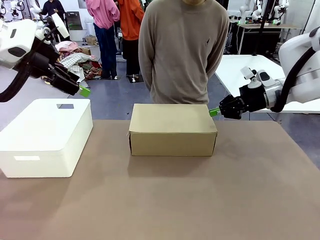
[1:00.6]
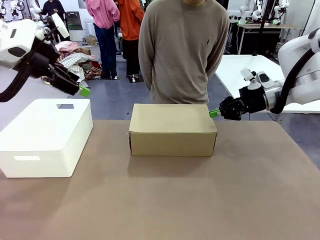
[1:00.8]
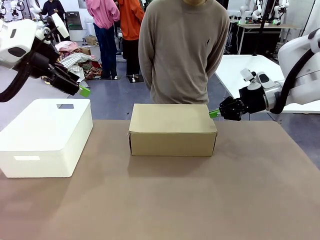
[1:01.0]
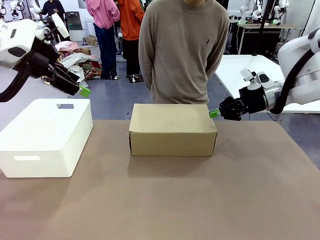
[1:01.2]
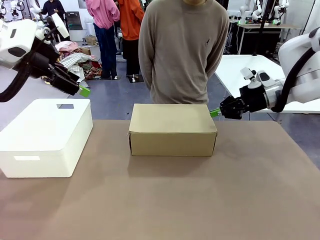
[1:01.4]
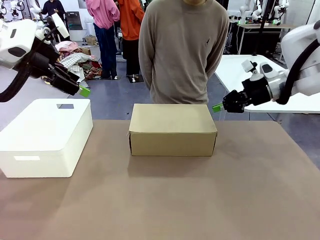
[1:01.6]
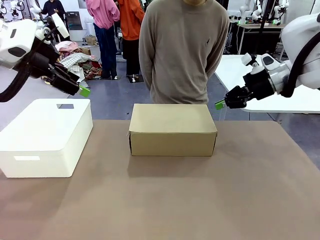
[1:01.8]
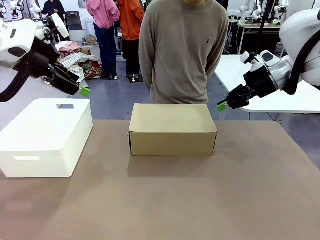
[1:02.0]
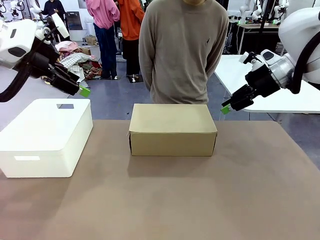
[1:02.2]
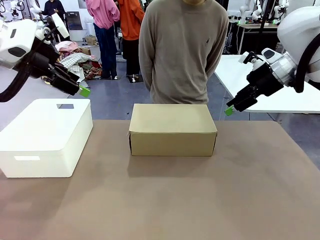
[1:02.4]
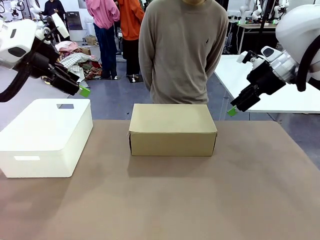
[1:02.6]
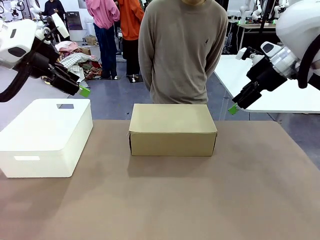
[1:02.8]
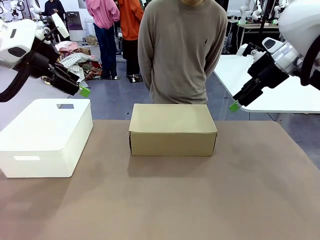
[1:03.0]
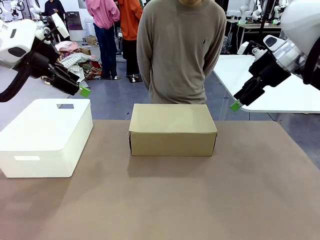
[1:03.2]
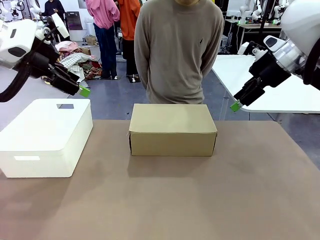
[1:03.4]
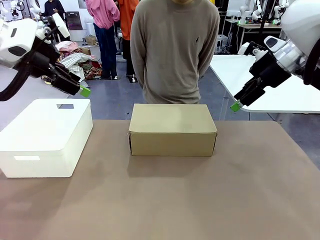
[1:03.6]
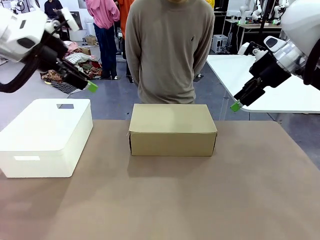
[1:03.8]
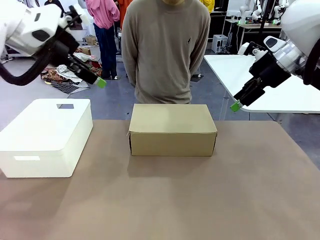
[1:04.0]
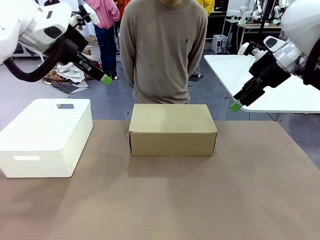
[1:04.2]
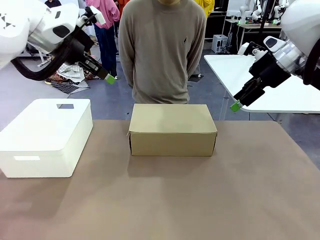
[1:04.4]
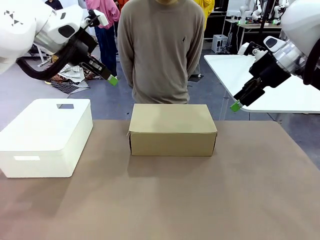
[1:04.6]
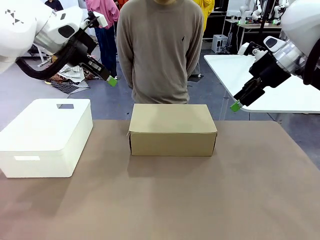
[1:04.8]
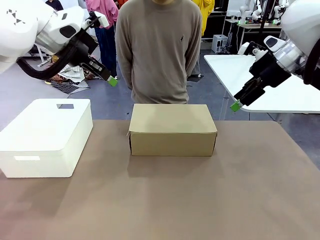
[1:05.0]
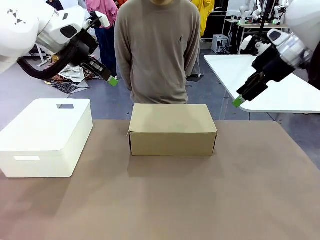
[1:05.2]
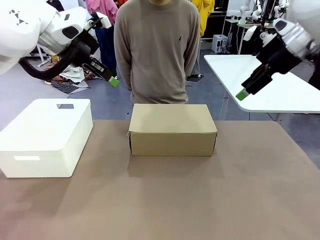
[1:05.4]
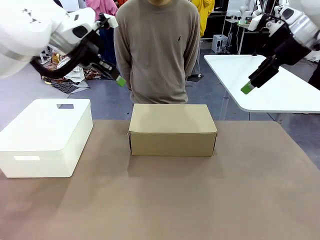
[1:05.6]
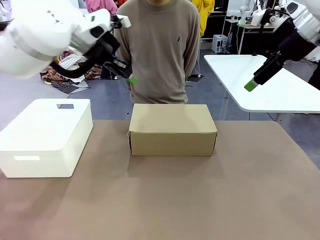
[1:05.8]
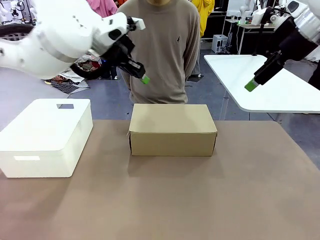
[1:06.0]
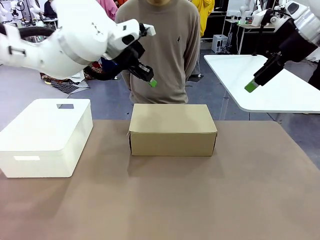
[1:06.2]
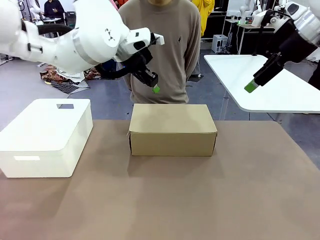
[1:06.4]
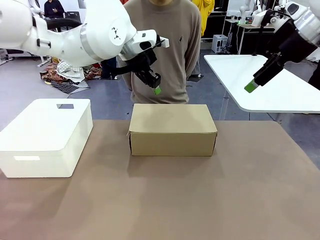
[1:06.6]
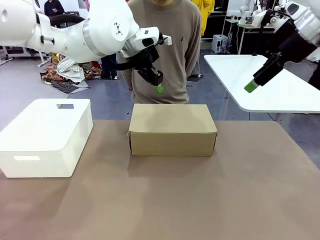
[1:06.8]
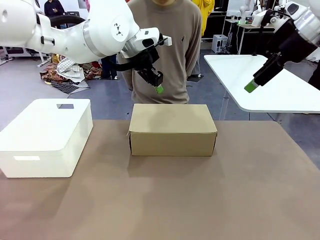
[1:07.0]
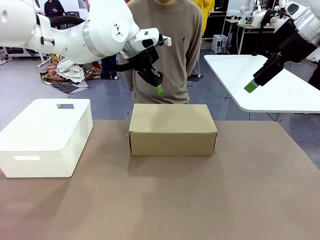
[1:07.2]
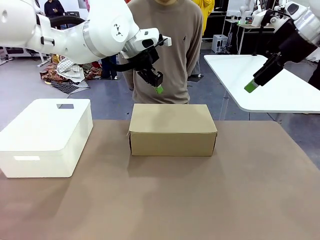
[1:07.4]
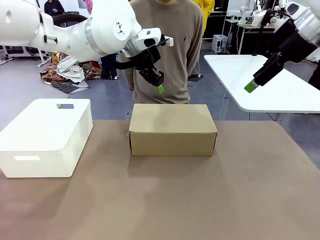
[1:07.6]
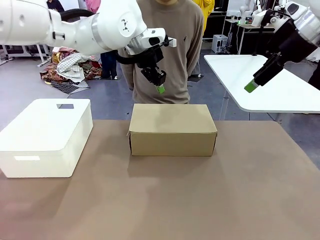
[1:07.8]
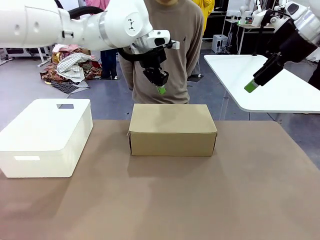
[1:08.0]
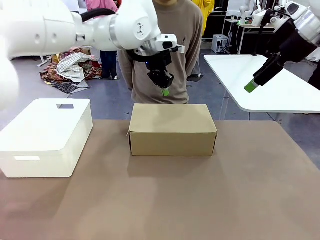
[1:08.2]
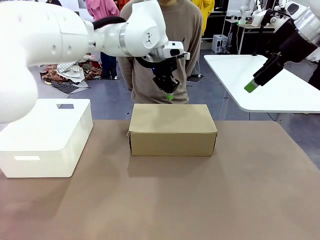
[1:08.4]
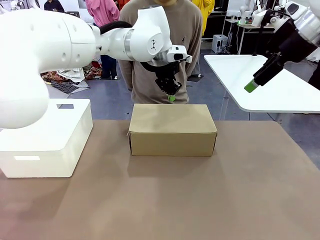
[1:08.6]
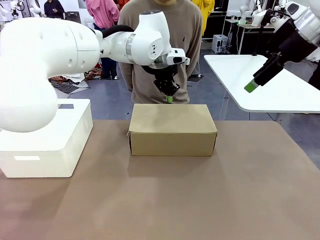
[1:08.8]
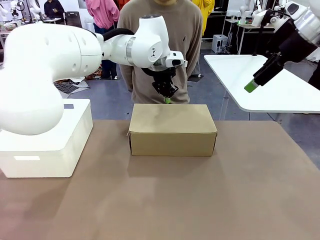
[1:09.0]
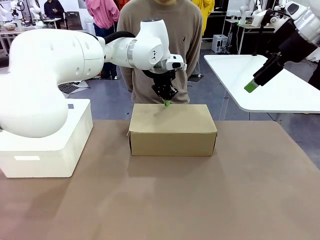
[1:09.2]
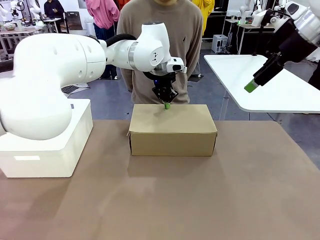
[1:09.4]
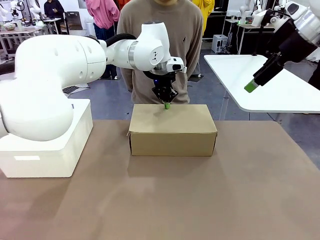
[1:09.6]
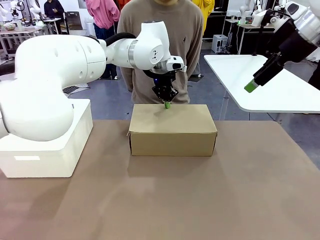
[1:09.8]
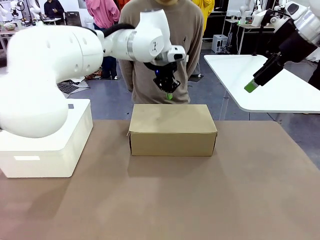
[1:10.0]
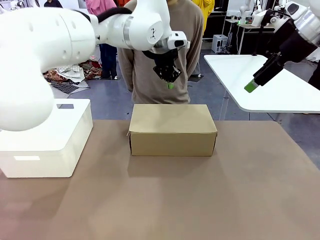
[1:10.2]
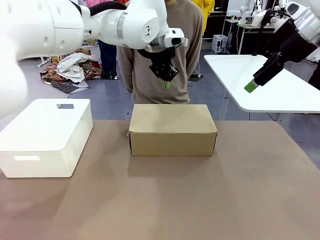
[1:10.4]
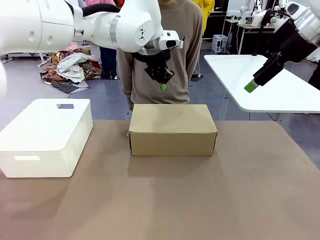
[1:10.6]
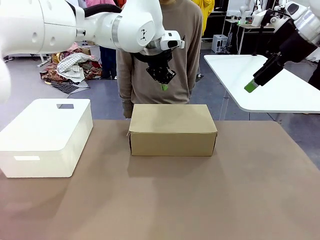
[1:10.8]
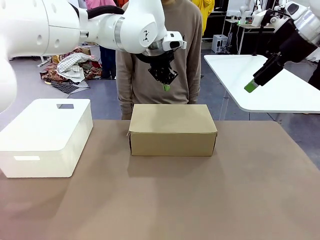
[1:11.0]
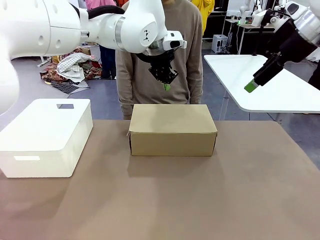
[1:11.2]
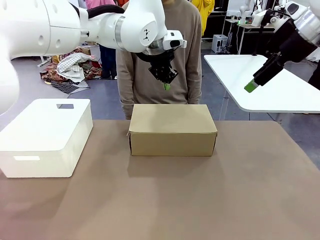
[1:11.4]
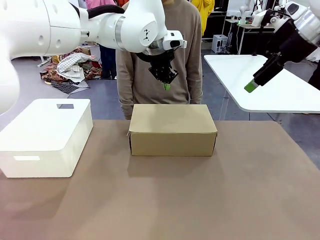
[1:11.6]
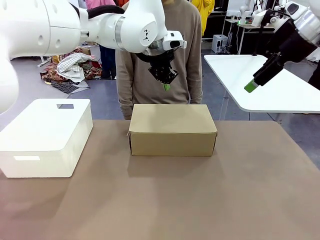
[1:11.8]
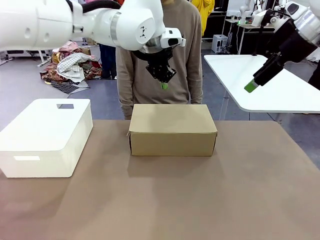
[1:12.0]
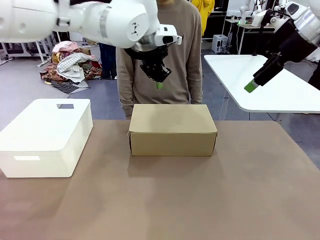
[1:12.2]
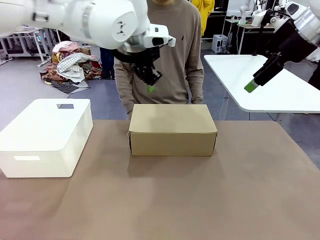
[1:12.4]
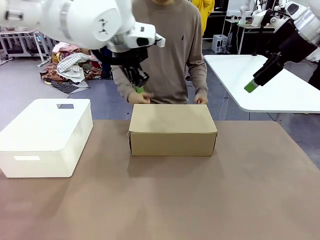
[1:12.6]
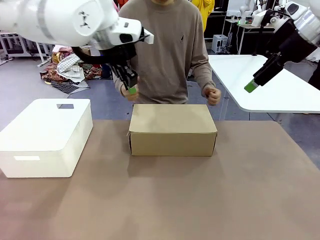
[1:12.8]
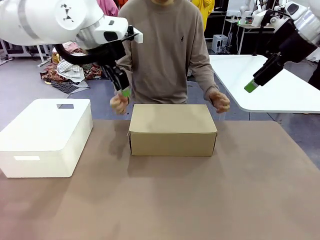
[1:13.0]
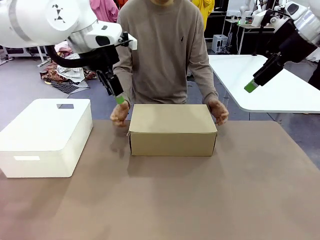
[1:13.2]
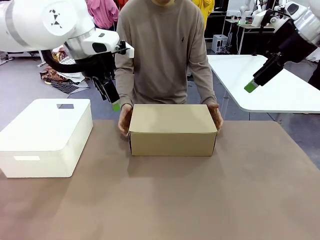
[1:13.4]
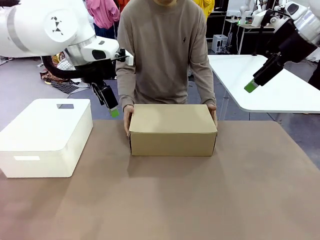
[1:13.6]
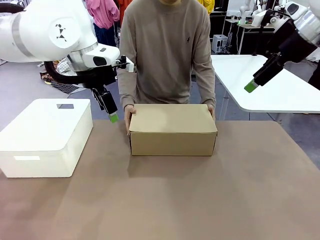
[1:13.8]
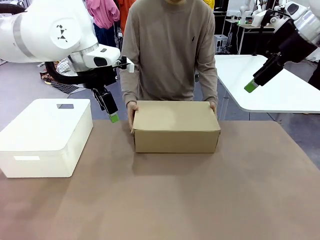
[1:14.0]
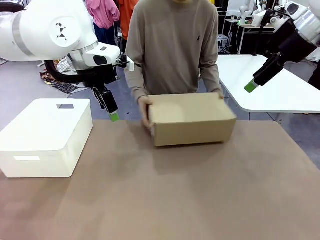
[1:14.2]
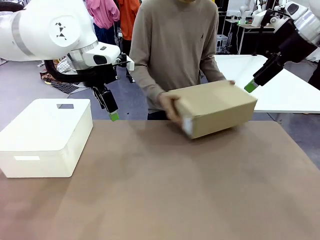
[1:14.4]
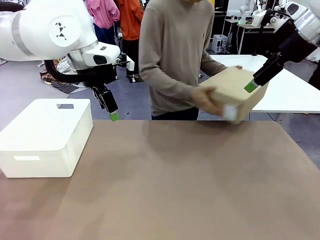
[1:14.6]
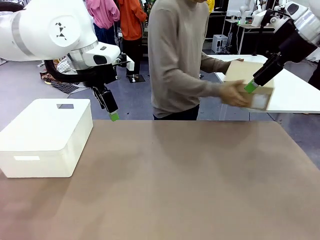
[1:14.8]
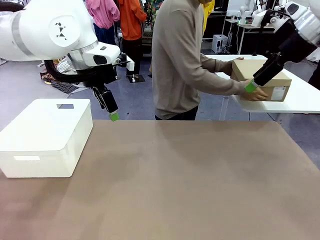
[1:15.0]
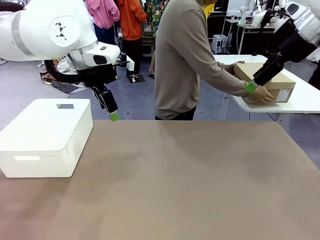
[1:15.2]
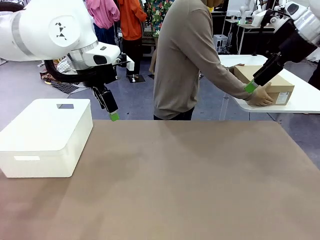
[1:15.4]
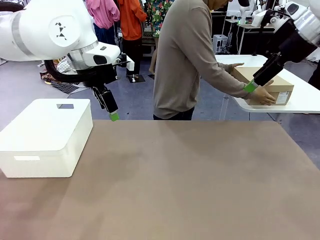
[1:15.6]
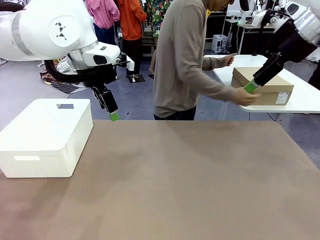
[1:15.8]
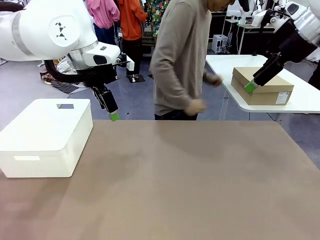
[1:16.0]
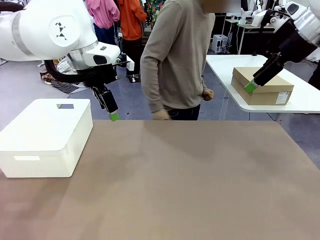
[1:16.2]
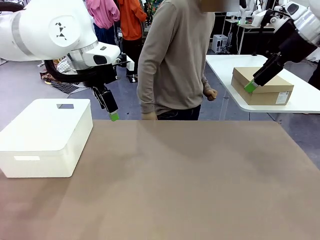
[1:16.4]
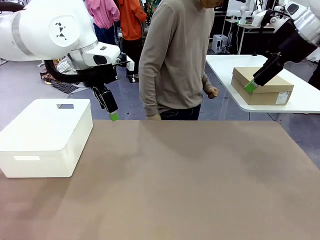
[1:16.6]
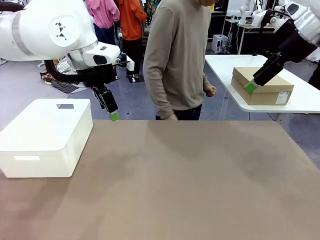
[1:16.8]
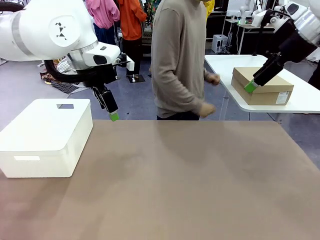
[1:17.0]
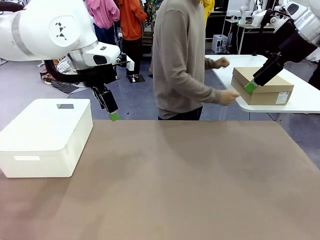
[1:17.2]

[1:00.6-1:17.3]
Task: Pack the shoes into the box.
Robot: Press down on the lid of the Shoes Box.
Person: Place the closed Shoes Box to the right side of the human table.
